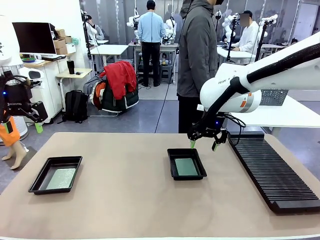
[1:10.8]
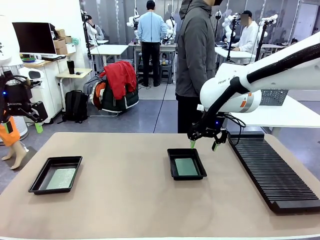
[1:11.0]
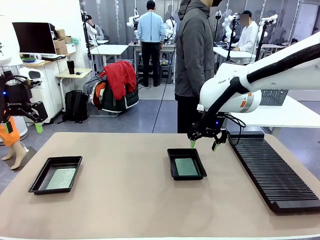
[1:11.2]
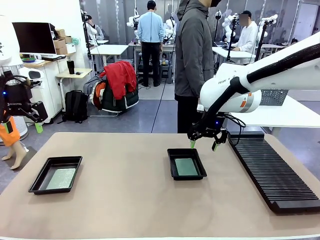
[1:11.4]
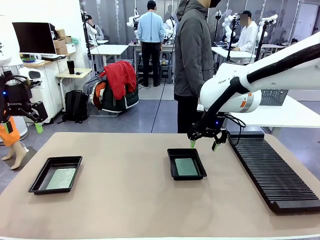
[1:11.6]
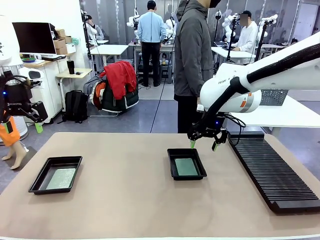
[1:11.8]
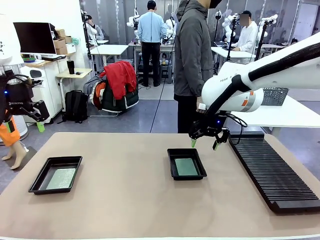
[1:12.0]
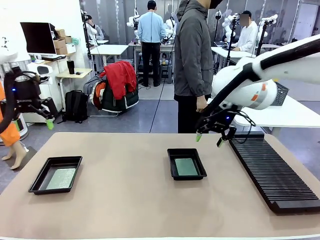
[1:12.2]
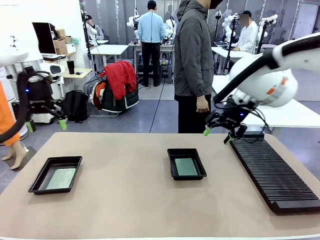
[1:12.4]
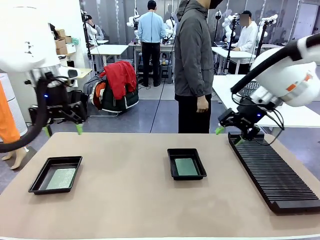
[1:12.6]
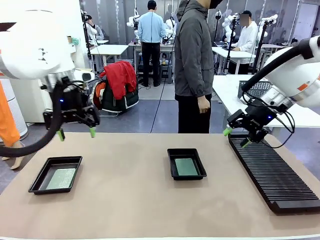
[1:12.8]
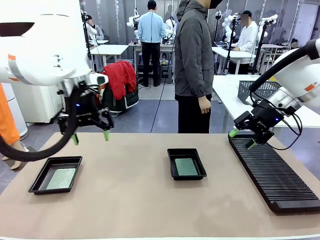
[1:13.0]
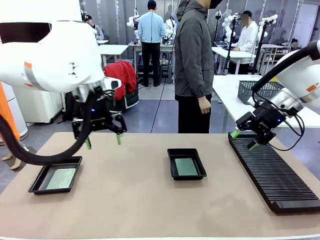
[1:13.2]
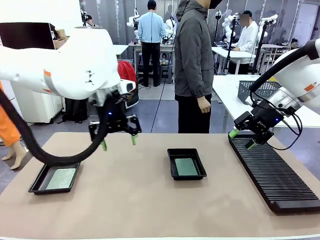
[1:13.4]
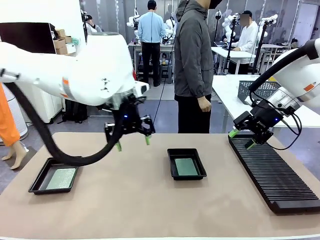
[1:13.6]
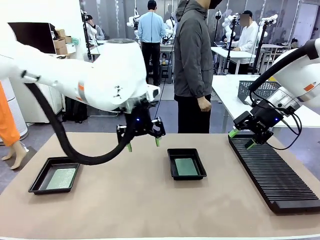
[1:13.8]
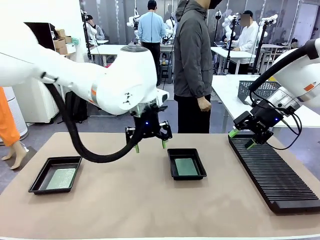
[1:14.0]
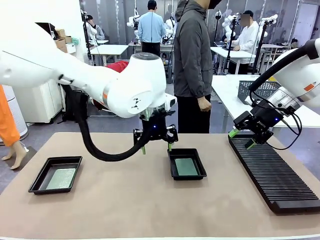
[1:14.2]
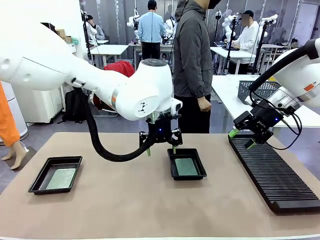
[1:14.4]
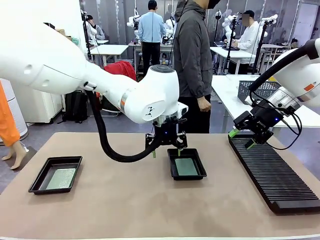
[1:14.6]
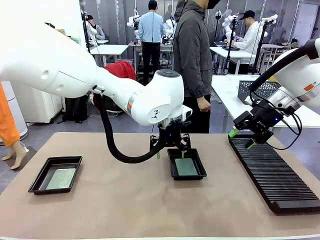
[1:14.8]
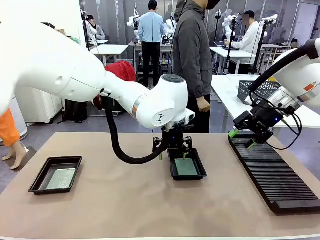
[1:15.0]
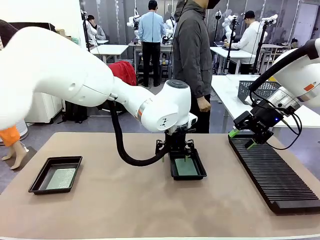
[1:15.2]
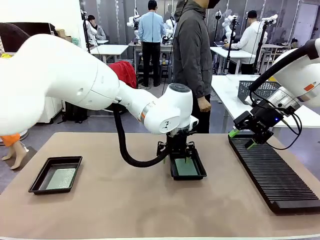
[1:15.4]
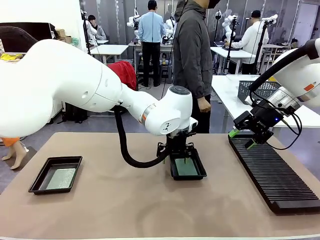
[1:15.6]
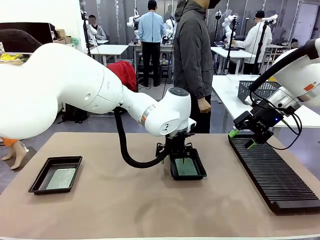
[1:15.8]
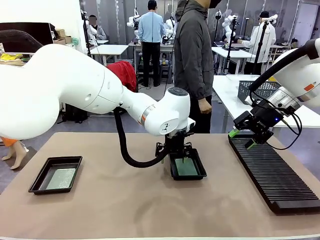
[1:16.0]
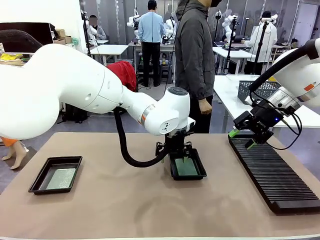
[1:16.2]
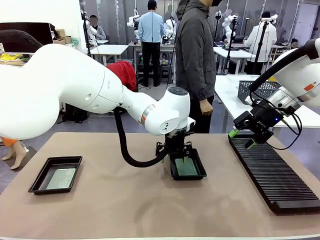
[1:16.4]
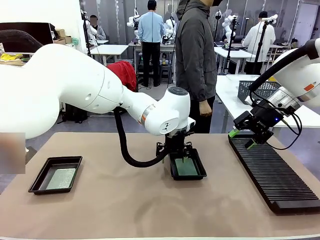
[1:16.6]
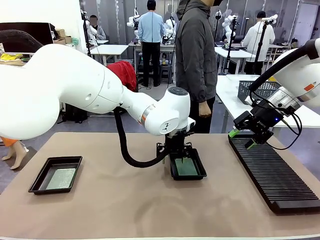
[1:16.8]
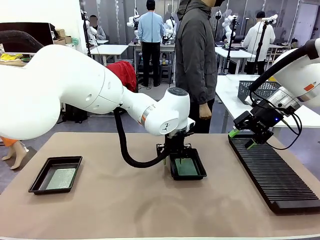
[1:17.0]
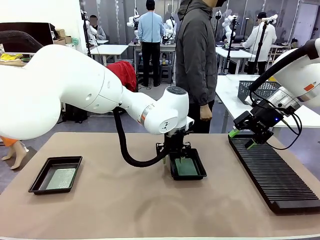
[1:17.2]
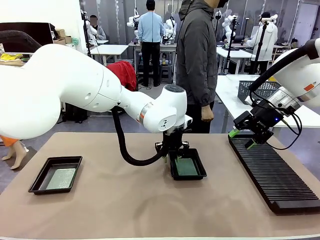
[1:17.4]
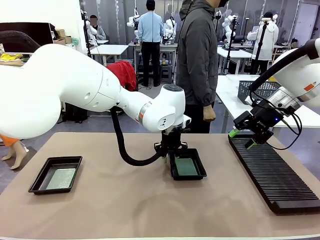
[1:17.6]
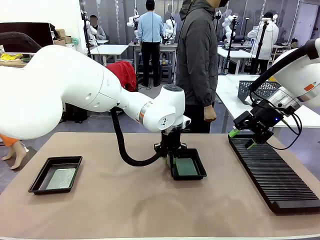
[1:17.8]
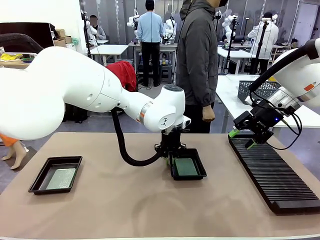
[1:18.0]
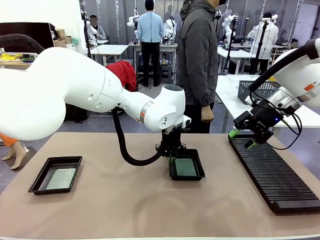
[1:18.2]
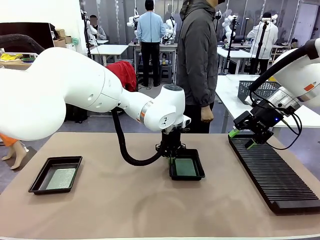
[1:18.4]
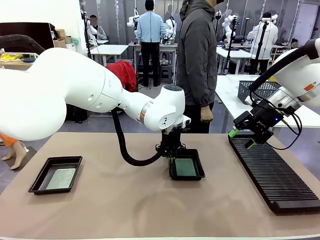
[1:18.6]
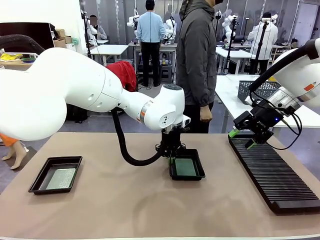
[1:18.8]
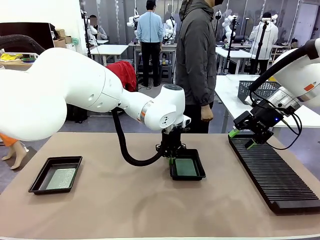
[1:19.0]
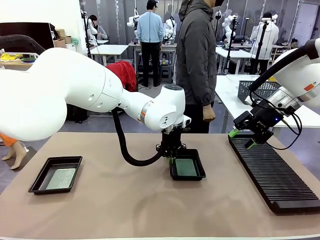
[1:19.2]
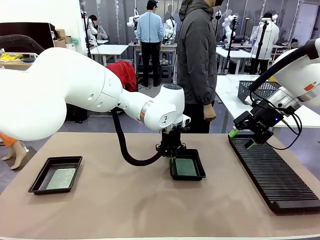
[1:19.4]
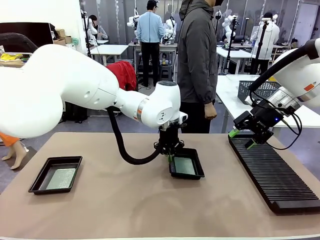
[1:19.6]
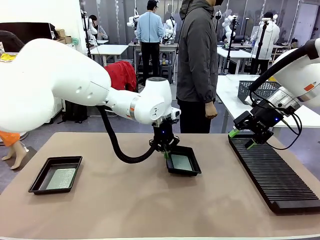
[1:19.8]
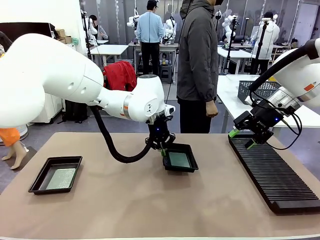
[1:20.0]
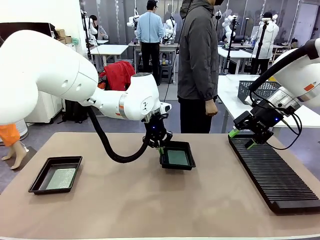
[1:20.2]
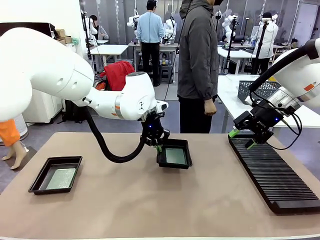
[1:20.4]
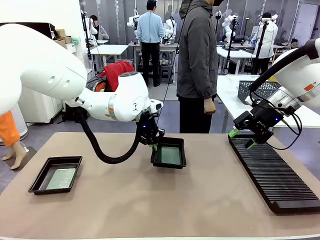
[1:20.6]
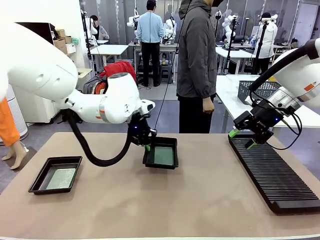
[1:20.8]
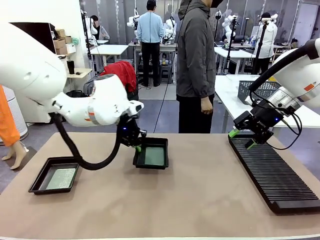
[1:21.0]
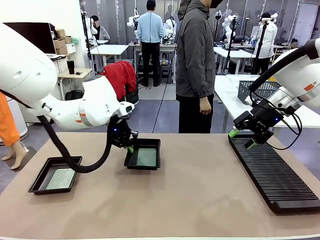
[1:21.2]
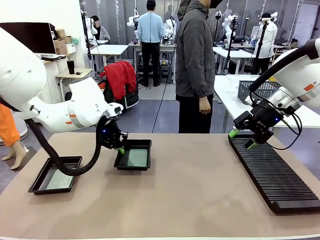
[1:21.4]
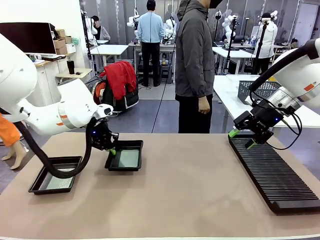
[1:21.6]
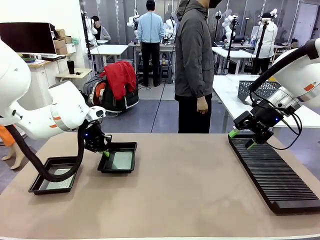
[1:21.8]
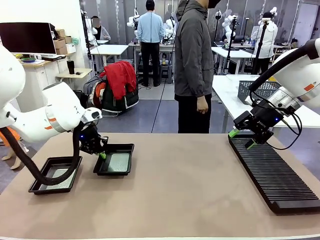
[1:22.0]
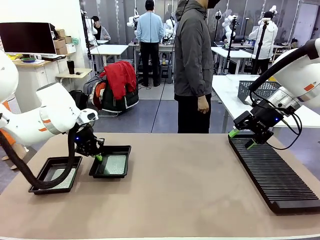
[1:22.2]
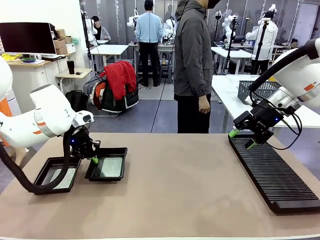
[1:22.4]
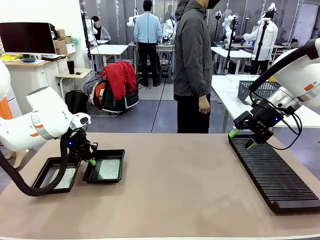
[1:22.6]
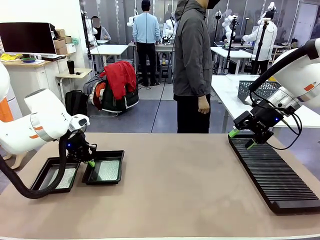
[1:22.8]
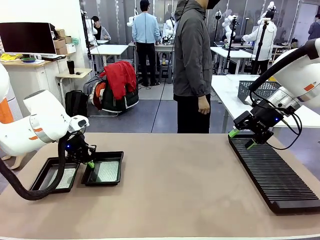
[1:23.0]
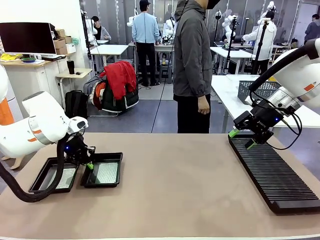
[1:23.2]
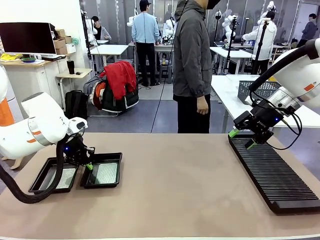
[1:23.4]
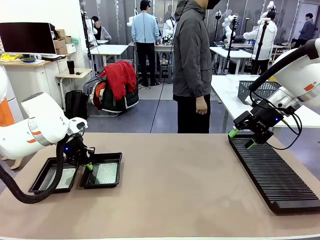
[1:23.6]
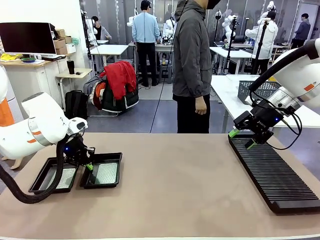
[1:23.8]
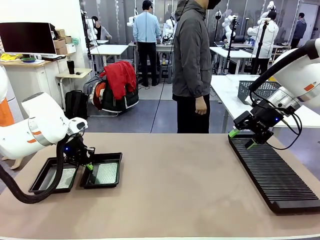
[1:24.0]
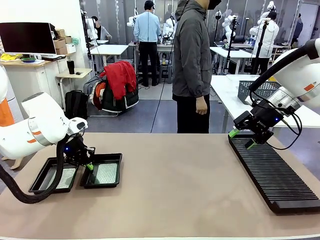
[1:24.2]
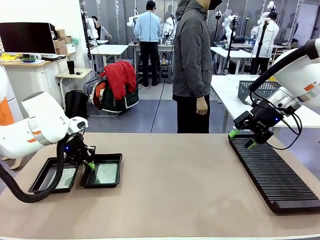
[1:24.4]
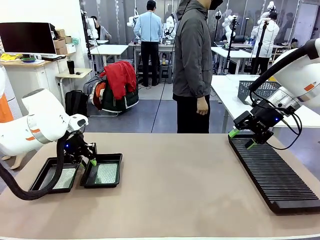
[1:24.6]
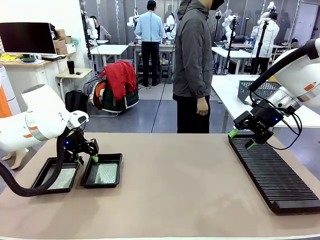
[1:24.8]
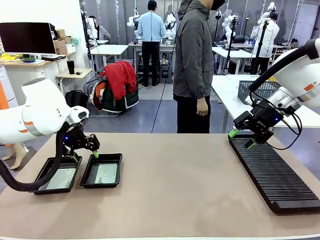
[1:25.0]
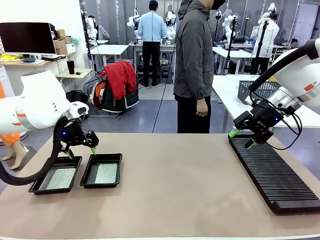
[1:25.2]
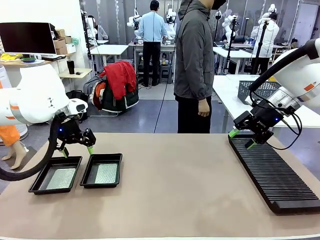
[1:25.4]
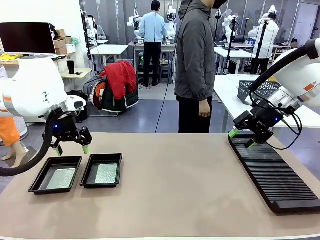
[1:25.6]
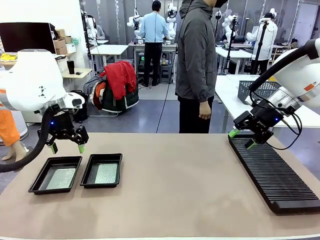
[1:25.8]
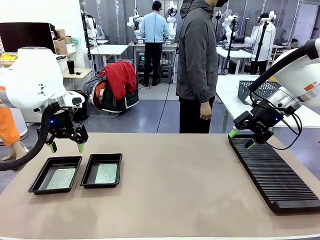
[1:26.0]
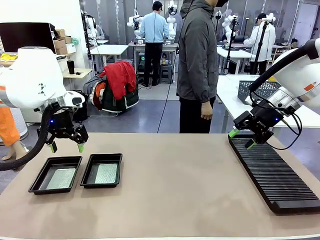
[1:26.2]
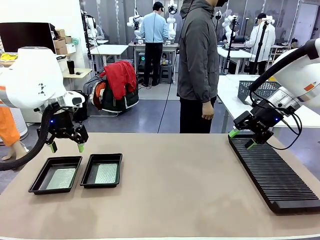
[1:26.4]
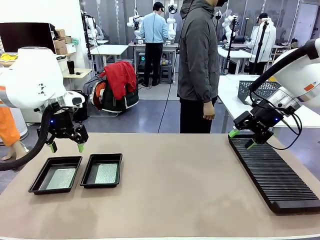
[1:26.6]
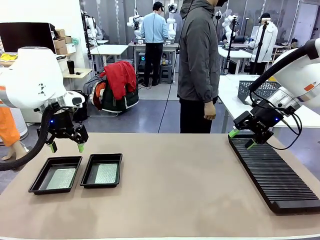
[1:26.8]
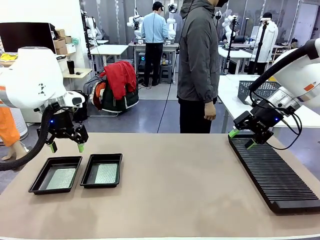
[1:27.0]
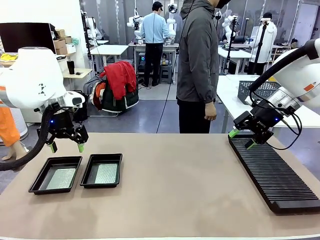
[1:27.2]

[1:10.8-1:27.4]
Task: Inspect and transfer BCBs to ESD trays.
Robot: Pick up the ESD tray and place it on the left side of the table.
